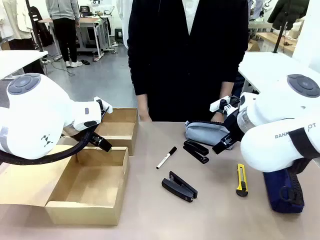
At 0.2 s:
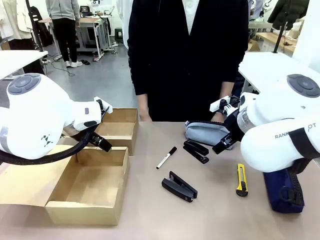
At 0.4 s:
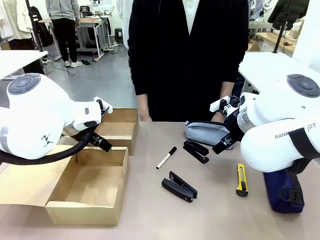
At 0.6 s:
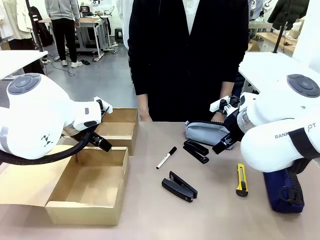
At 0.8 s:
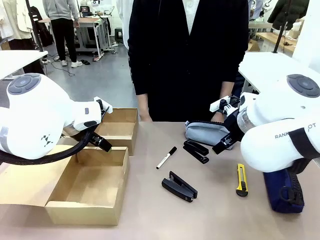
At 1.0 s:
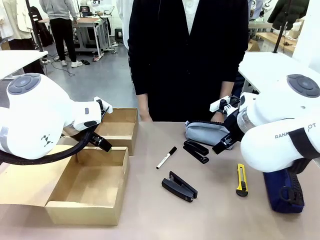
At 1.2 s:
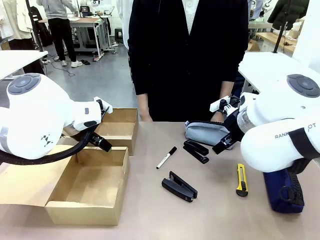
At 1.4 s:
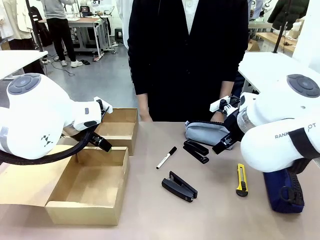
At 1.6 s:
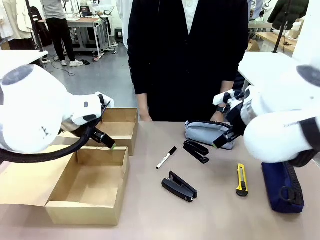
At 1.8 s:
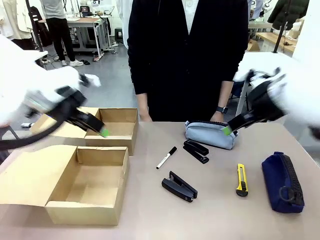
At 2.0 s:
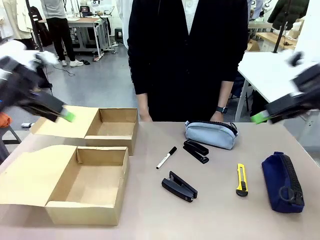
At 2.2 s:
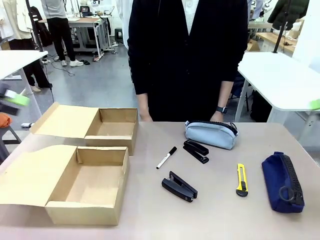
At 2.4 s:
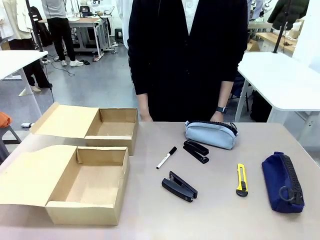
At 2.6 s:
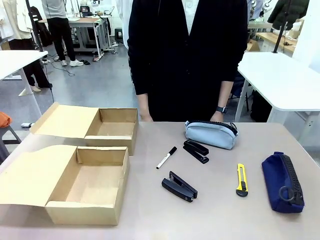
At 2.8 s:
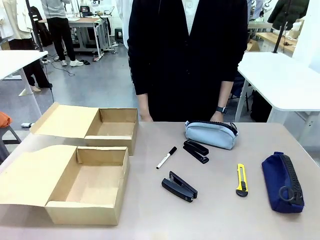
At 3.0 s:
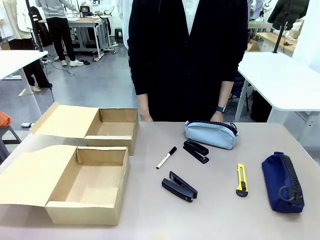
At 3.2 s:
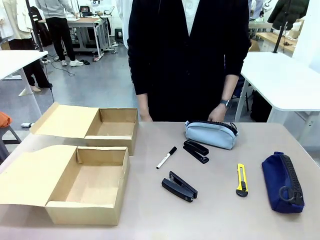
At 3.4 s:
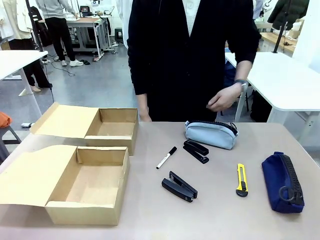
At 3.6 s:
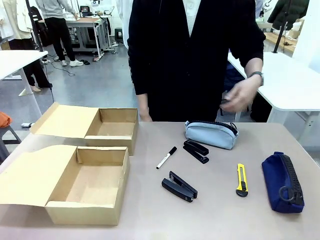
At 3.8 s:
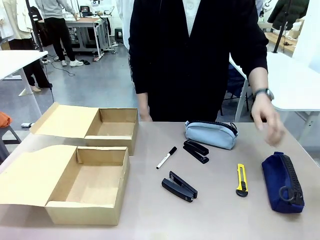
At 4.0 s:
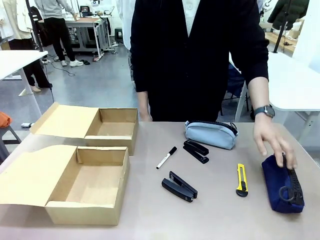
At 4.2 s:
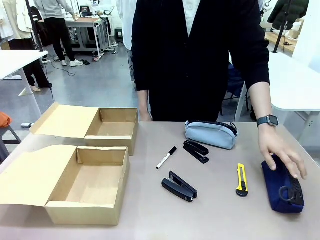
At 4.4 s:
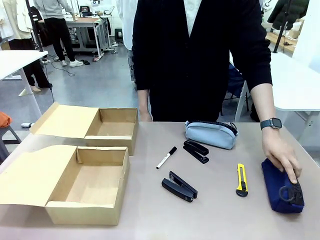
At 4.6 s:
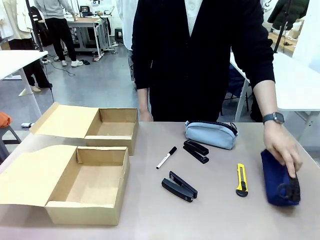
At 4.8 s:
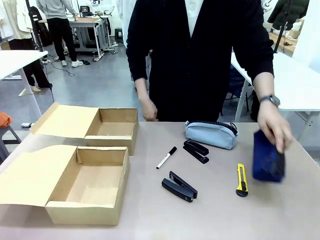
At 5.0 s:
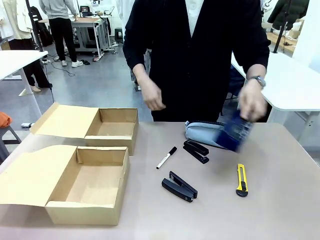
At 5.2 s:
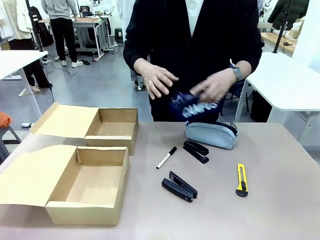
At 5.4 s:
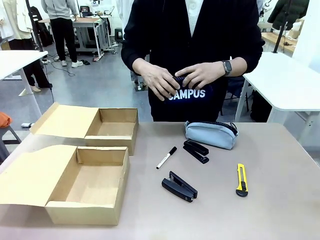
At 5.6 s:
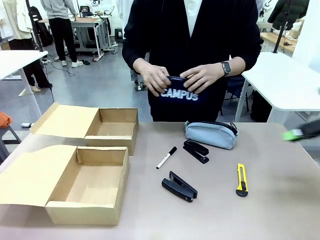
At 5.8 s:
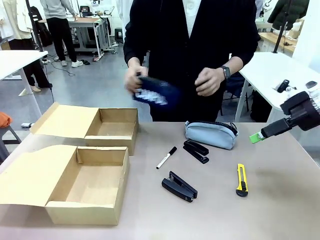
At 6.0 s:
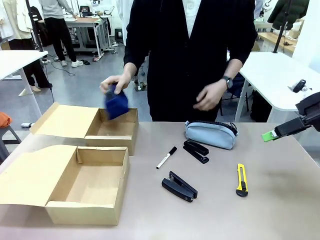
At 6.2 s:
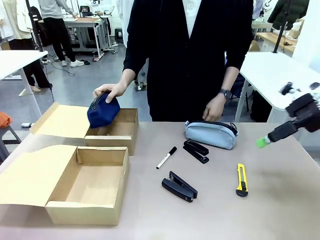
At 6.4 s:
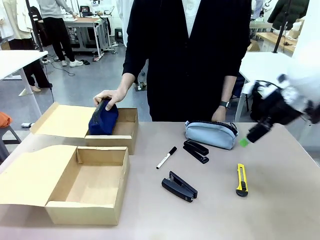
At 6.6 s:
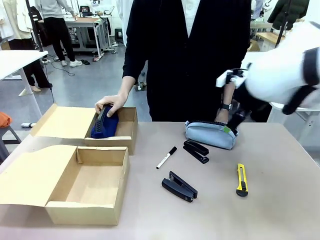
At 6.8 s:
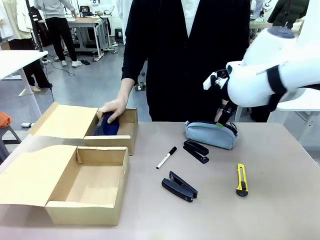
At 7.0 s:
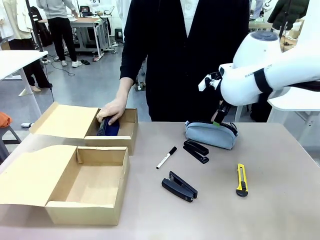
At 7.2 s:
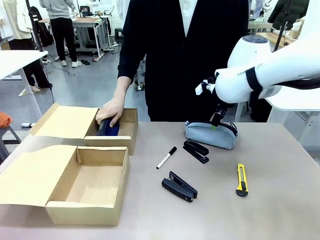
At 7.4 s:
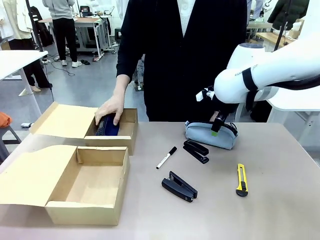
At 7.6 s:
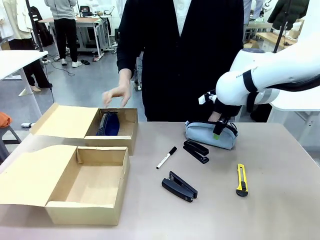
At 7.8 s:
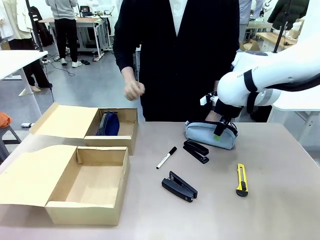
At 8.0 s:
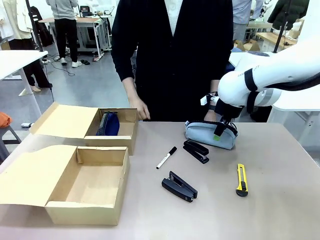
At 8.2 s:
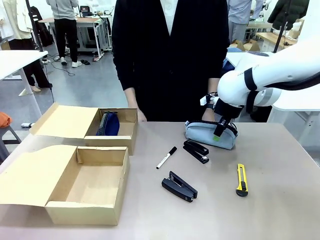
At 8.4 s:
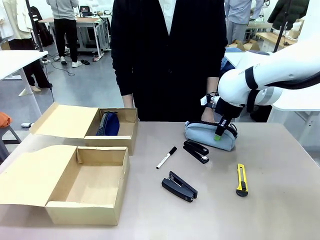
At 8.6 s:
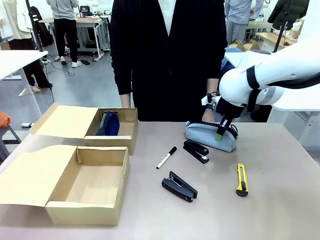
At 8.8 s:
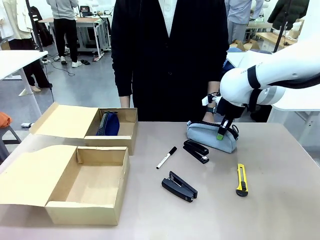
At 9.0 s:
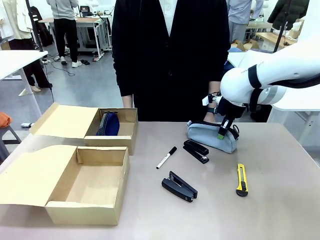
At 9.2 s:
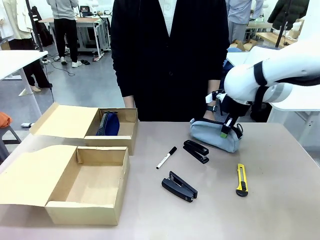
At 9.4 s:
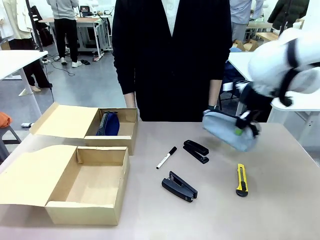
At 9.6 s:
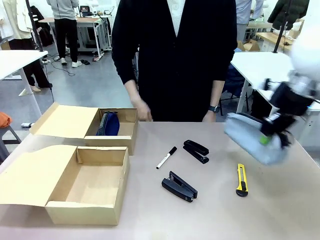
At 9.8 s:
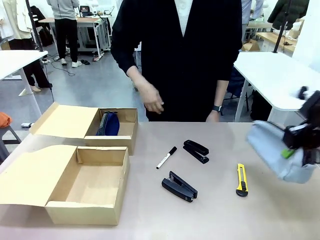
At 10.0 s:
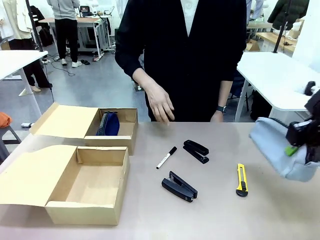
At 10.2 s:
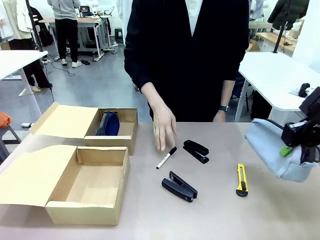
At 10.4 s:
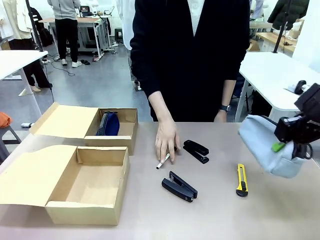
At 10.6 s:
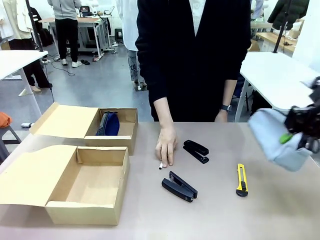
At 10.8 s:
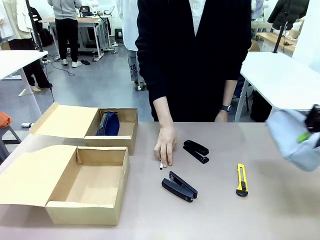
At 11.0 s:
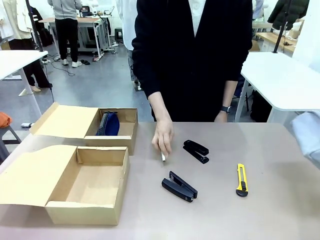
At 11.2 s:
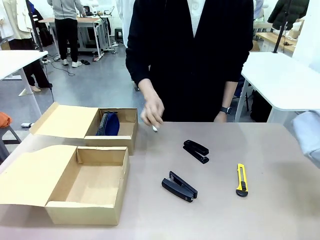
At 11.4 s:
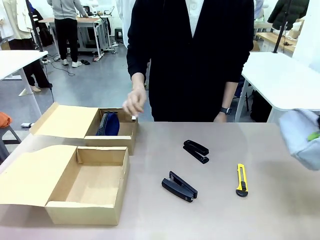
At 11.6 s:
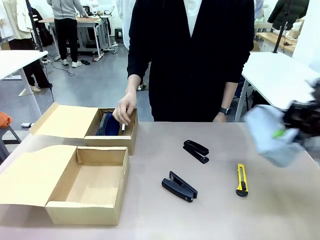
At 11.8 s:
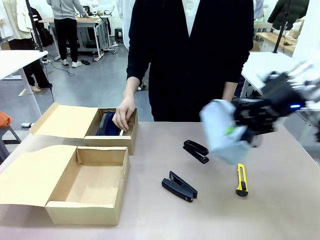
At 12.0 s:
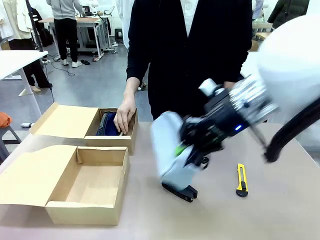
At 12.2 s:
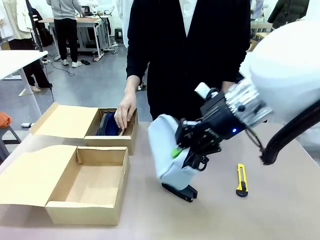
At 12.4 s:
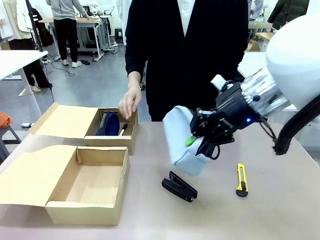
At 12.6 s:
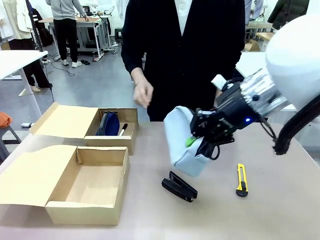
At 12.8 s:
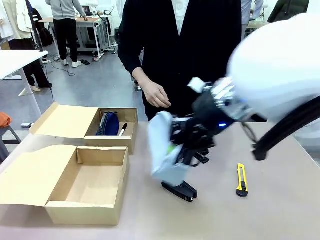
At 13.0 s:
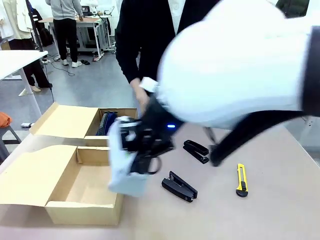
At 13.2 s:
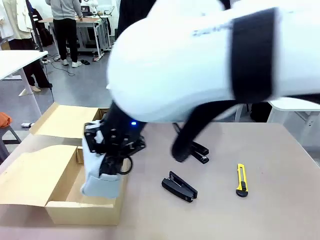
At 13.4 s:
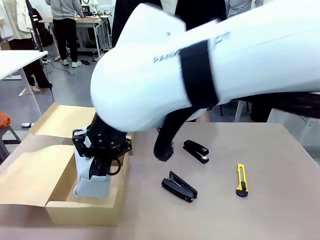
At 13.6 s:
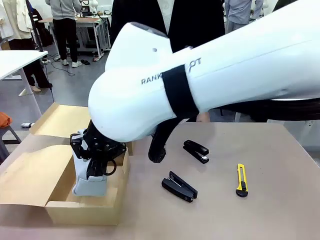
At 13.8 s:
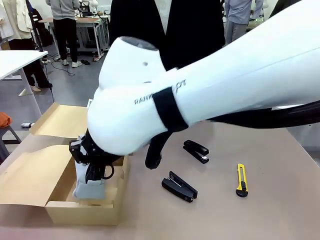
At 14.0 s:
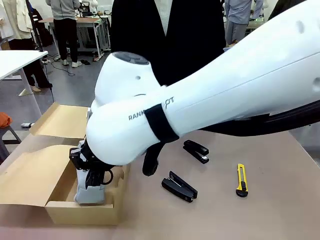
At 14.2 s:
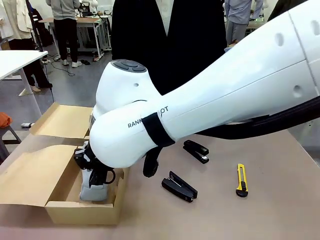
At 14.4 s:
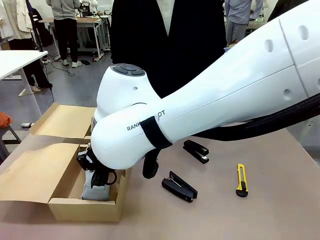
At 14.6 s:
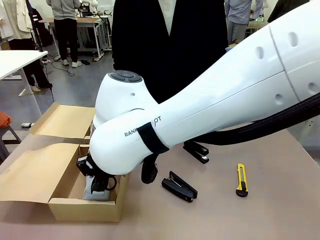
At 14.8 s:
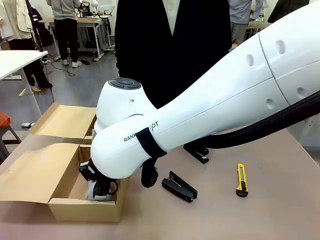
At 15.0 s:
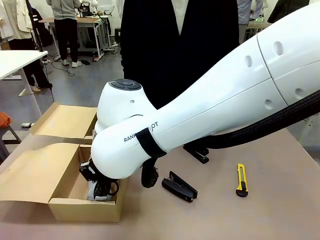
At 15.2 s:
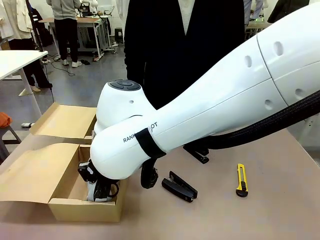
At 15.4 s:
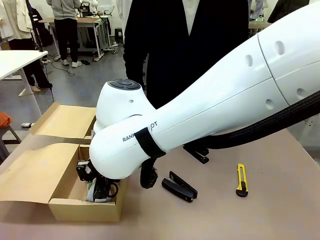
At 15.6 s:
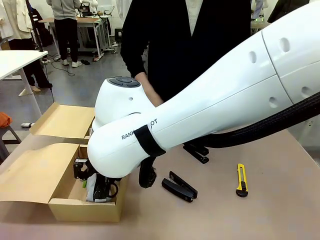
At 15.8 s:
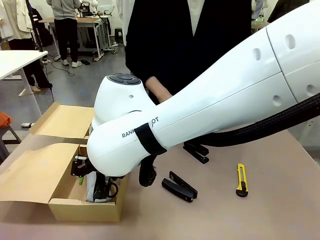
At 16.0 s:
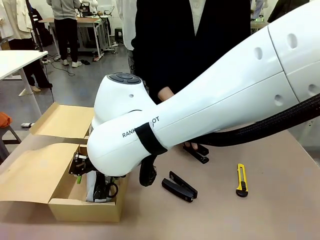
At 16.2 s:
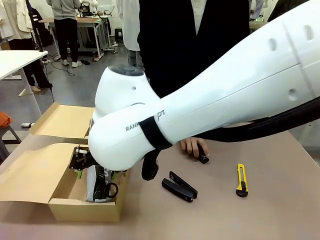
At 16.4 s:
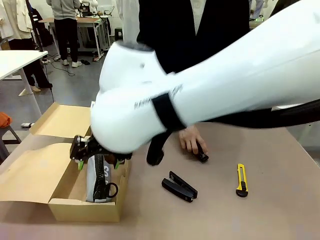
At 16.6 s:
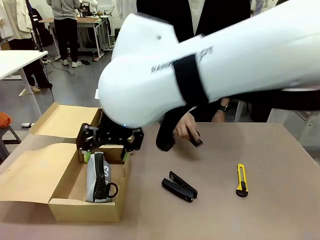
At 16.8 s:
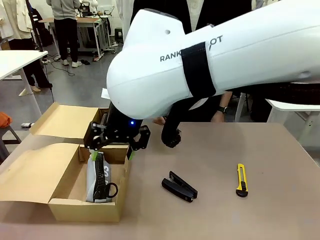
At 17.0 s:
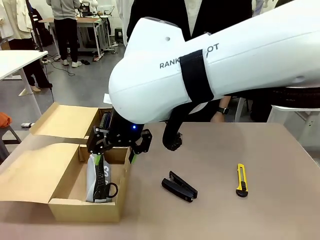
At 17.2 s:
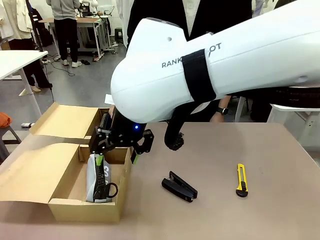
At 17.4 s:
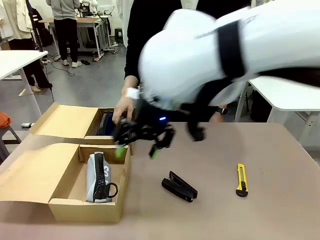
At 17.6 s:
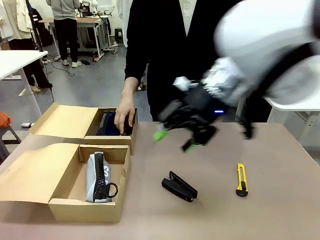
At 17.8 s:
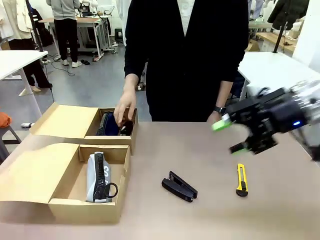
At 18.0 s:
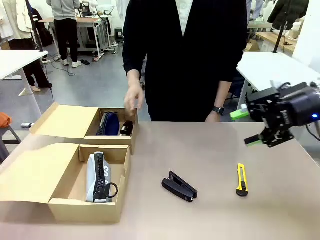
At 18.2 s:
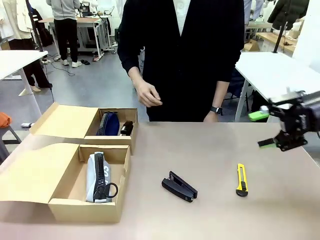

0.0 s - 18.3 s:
Task: Place items inside the box.
Robot: Pick up a Pencil pouch or Stapler and place it inside the Mailer Box closest to the robot.
Person: Pick up an object on the table and put it in the box.
